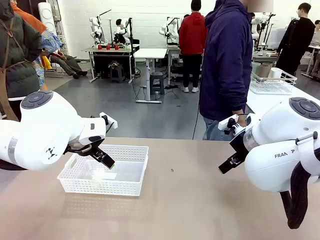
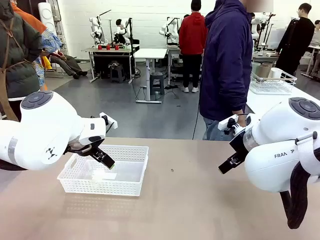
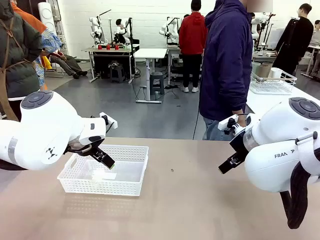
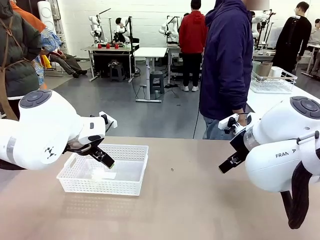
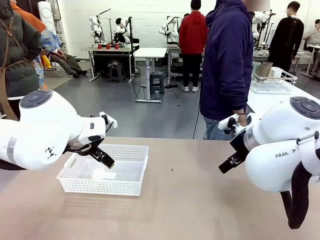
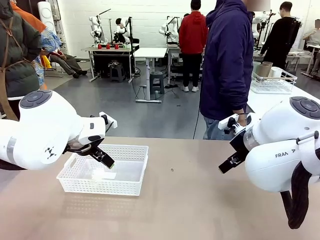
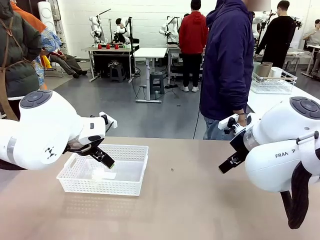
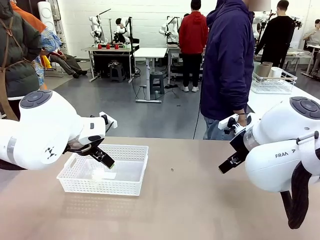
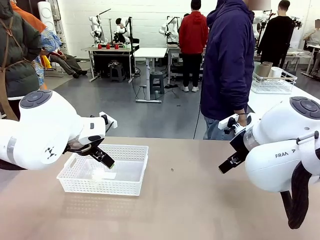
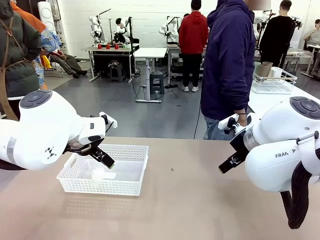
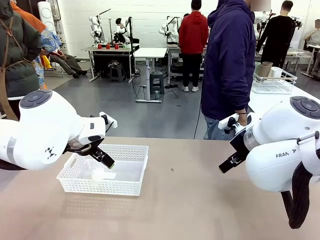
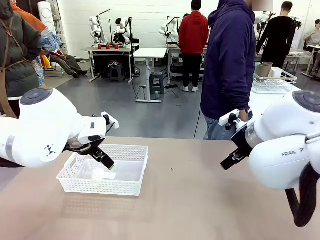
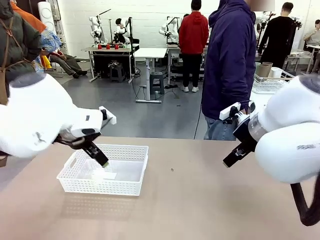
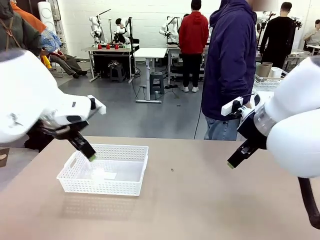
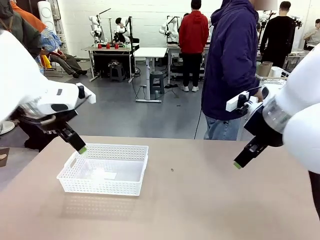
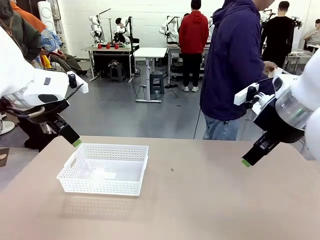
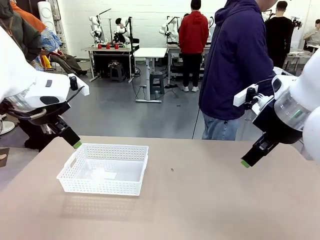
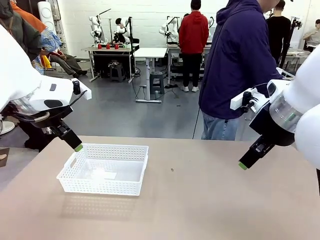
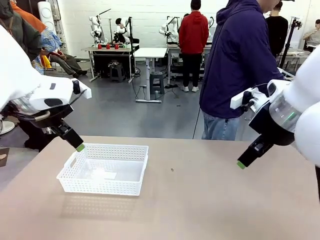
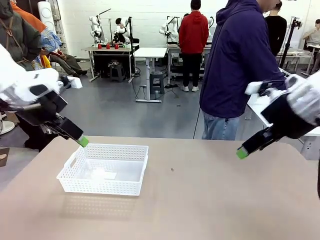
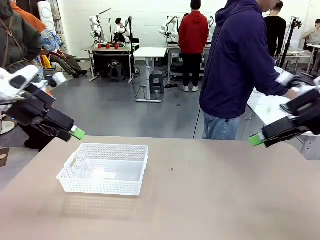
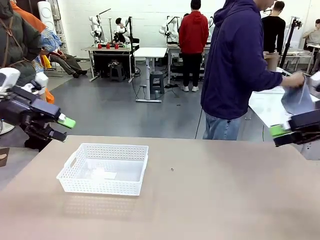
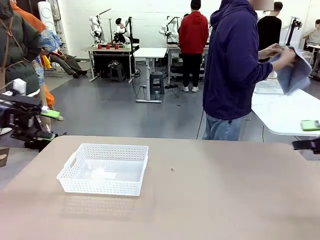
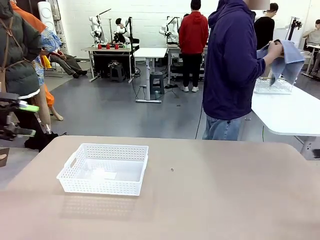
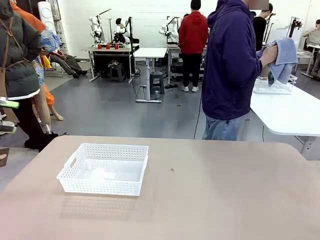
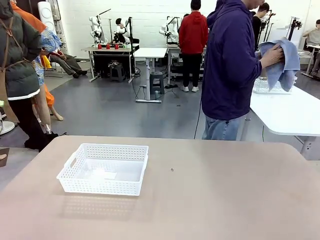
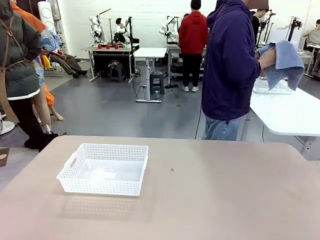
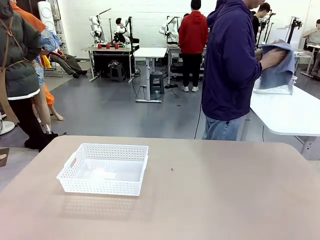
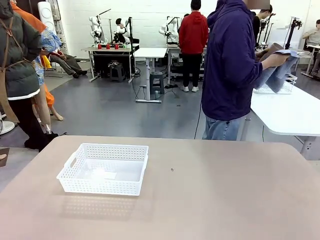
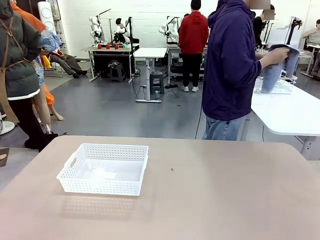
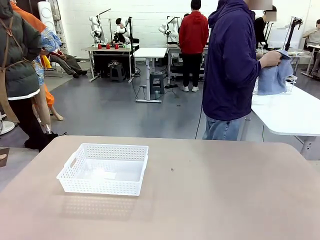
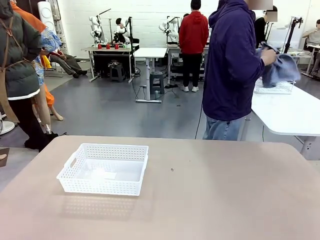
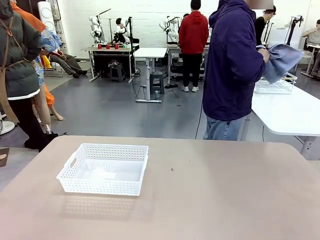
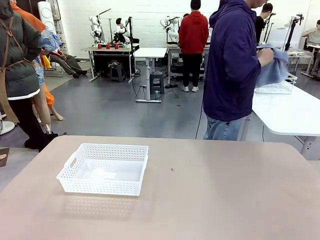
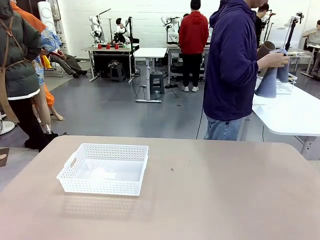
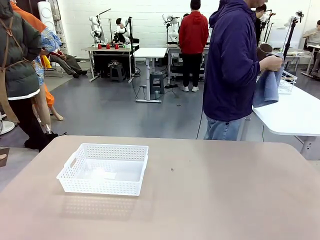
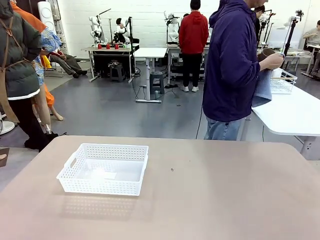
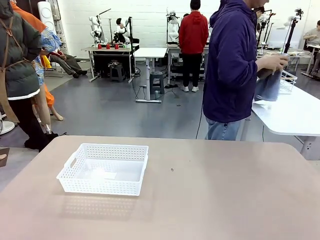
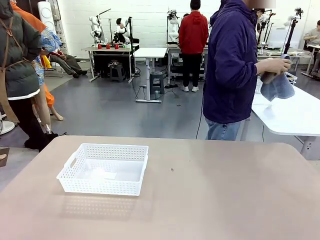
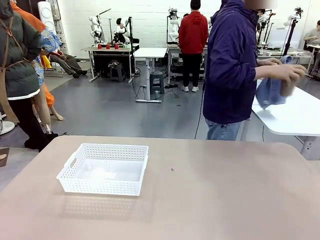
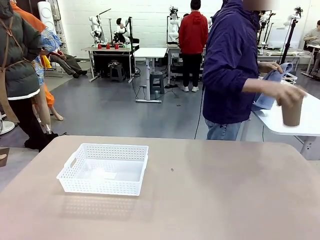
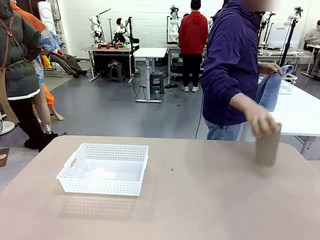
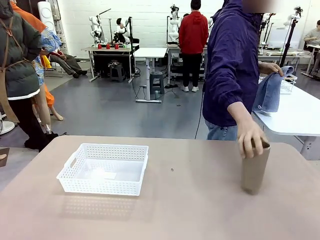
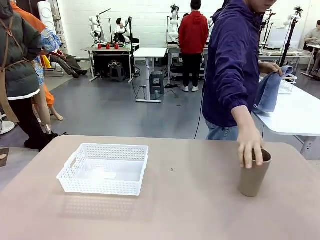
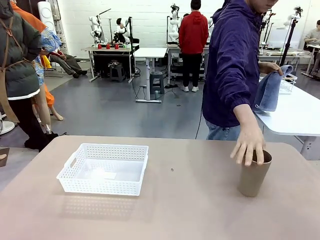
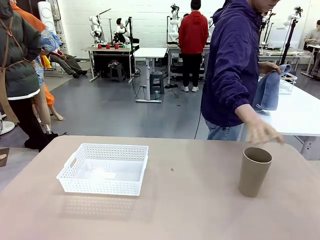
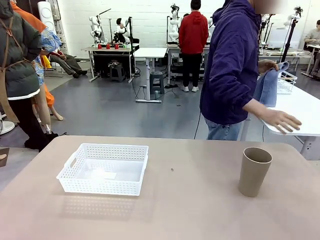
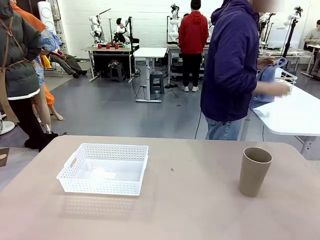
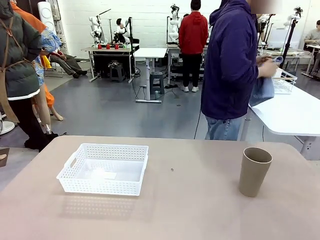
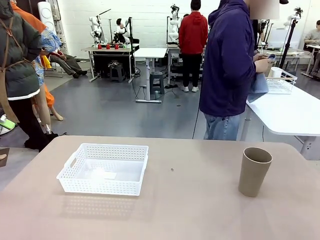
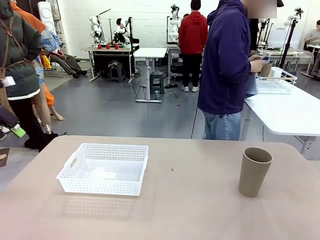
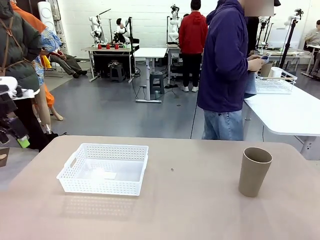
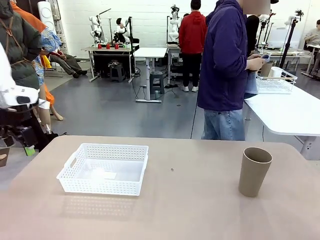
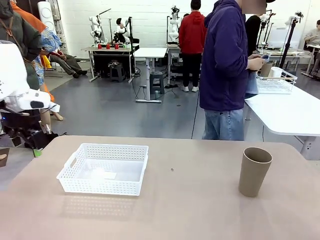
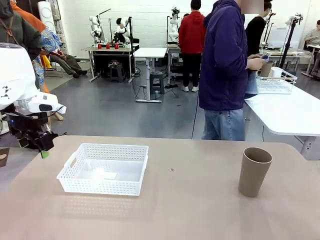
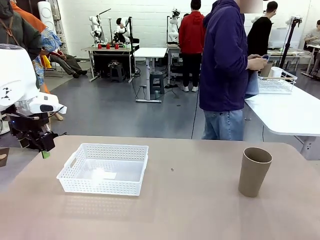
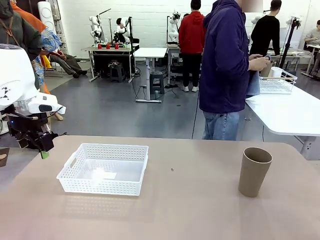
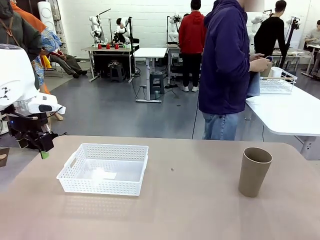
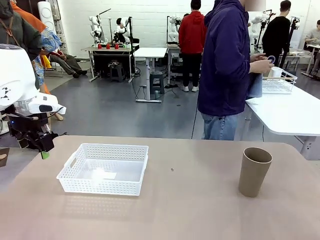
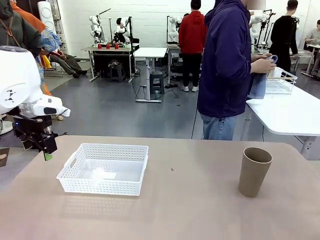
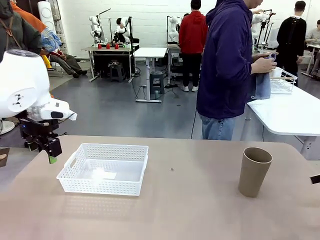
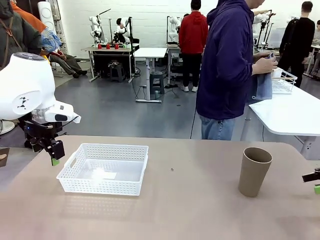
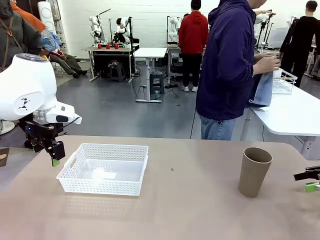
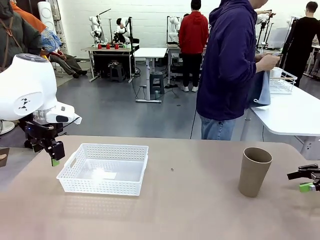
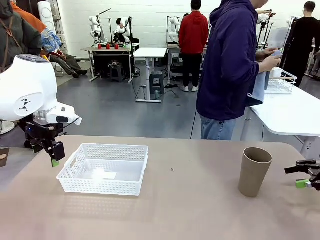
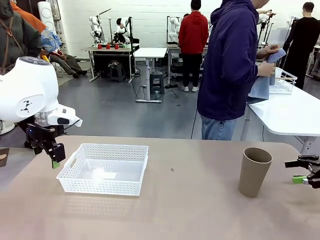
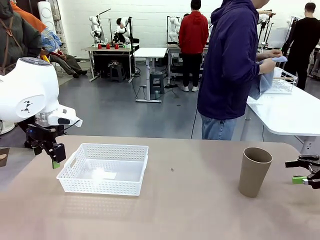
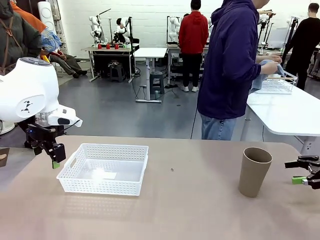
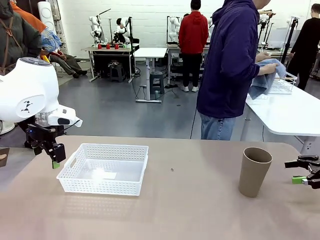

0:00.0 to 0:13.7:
Task: Clean and organize the cups into the basket.
Robot: Pick up the Organizing basket and move it to the center of the table, then pick up the Reusable plastic cup from the right side of the table and place it inside the Organizing basket.
Person: Picks up a cup and a towel, cleans the cup with the towel, and places it on the left side of the robot table.

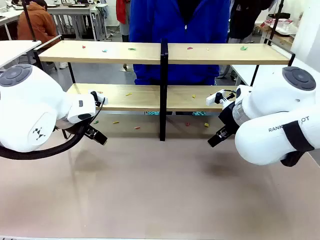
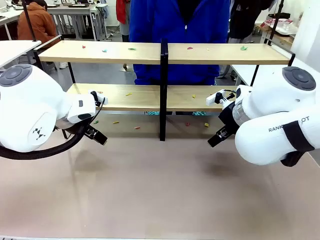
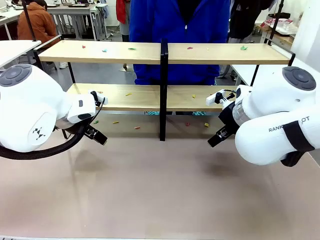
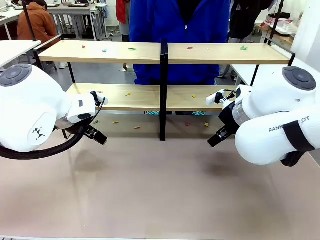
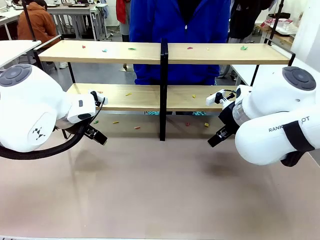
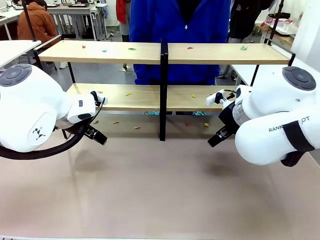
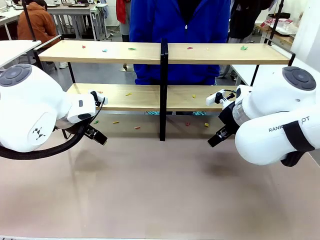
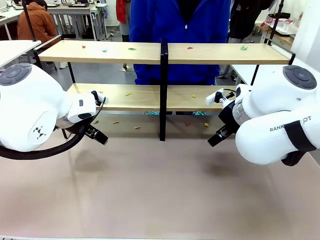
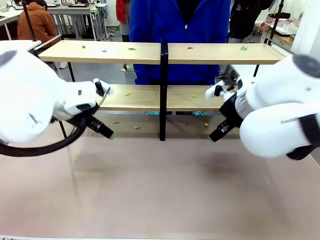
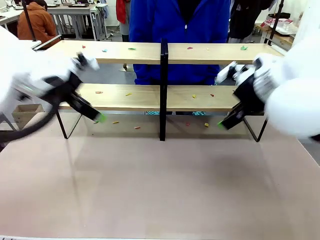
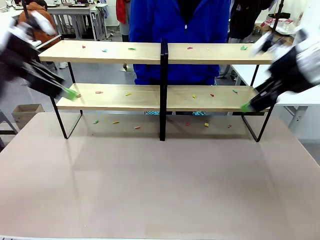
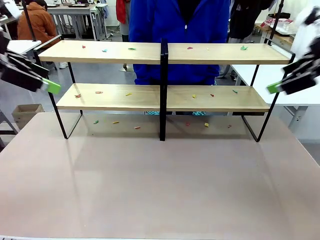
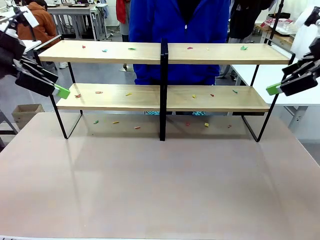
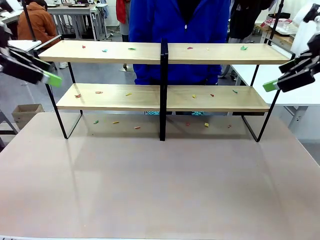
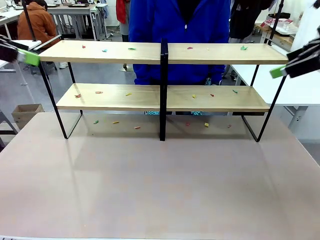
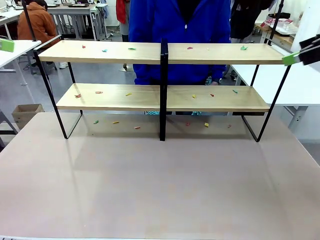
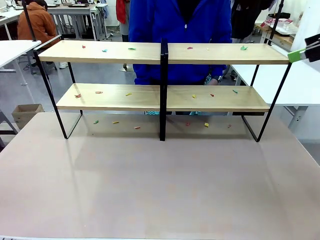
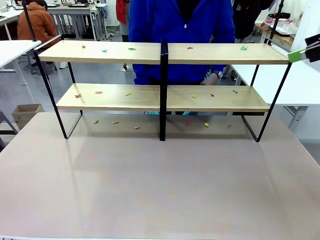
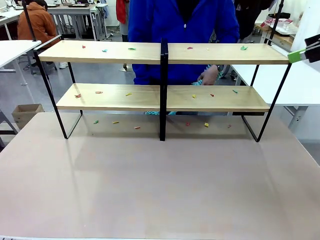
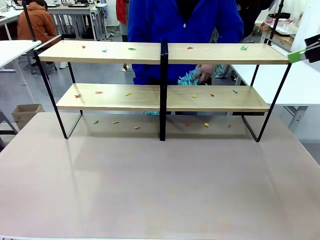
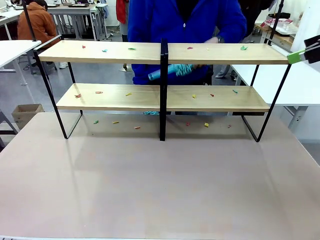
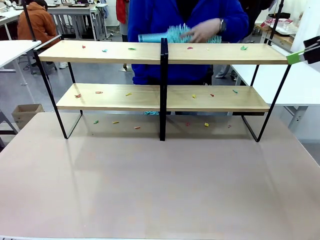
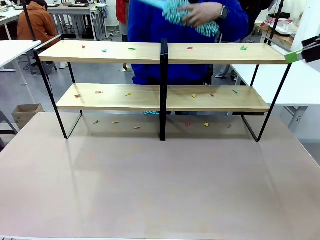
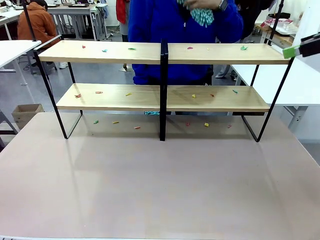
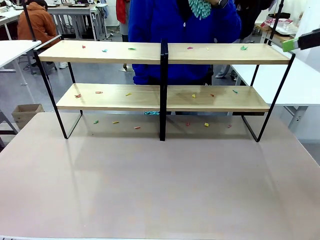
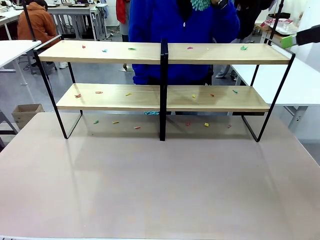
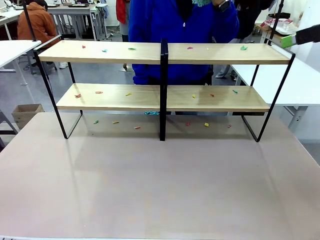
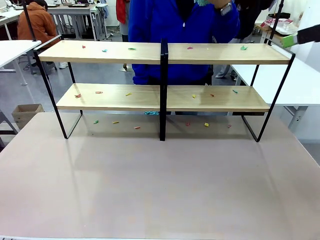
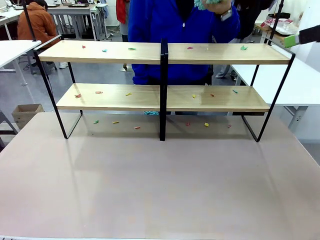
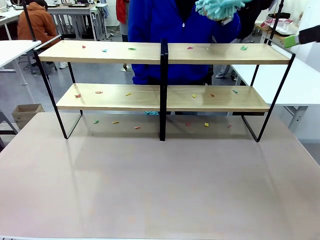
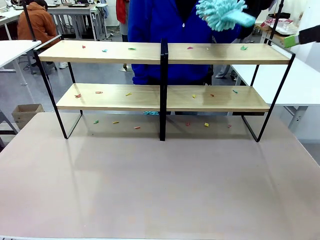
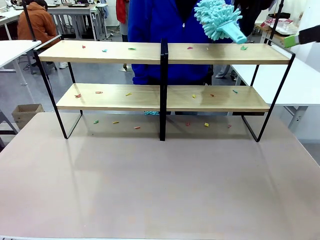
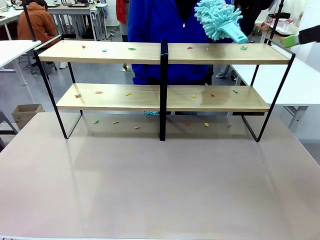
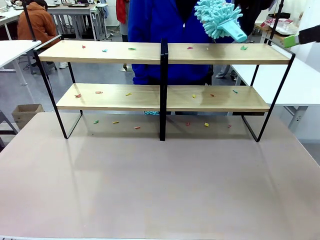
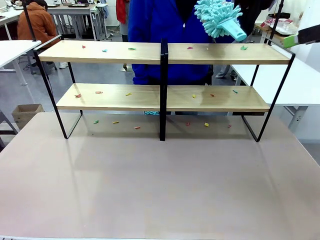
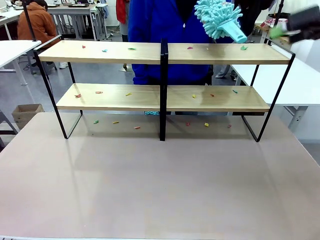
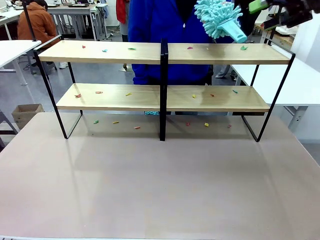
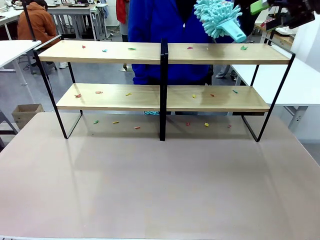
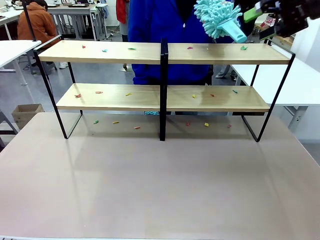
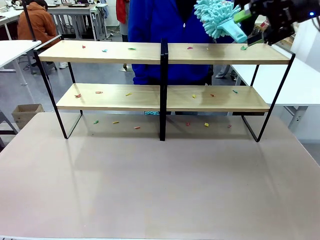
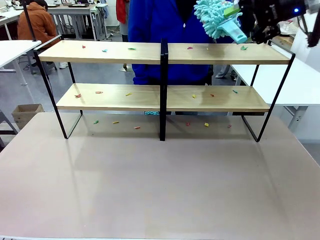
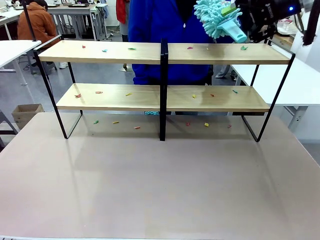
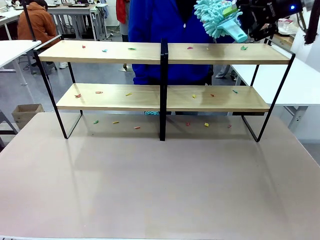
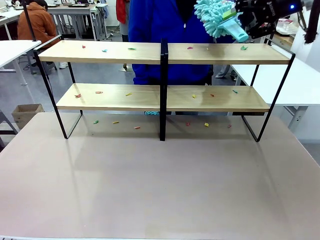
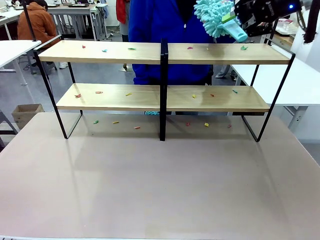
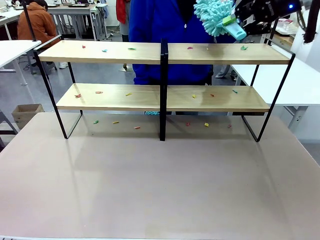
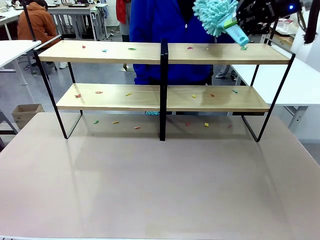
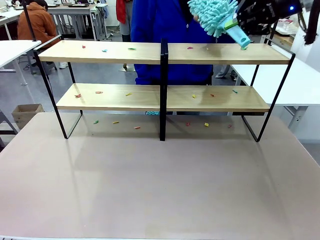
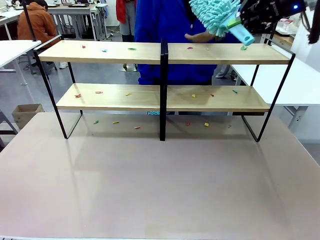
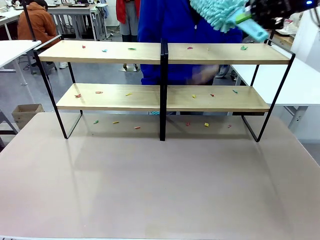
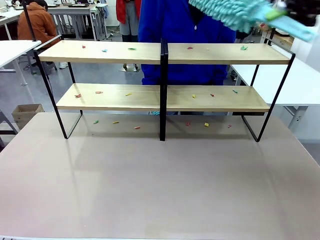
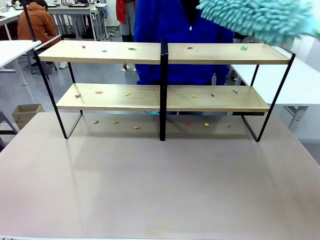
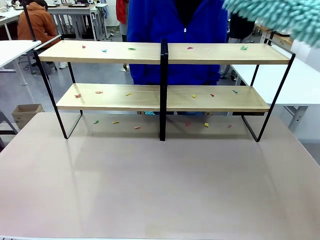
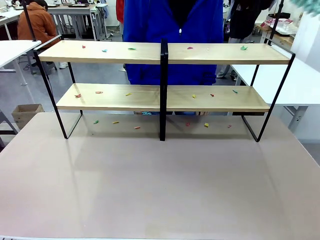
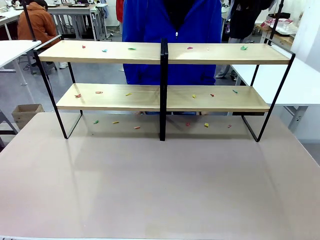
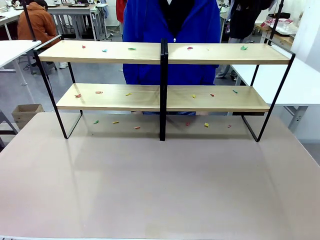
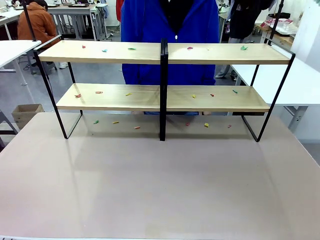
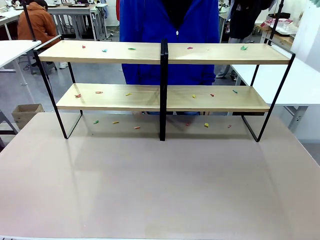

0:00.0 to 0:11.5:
Task: Clean the shelves.
Robot: Pick up the Duster when the human hands it over.
Person: Hand the Duster to the robot with your right (or left) hand.
